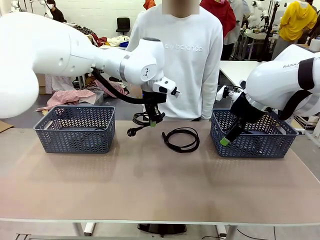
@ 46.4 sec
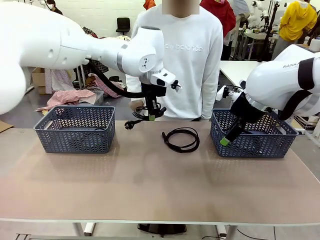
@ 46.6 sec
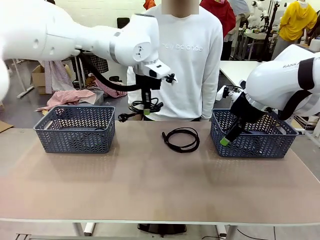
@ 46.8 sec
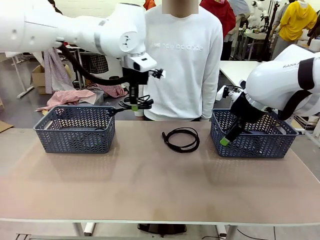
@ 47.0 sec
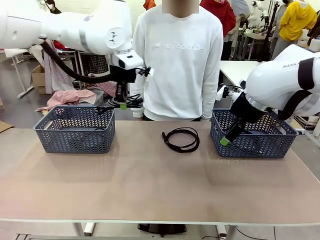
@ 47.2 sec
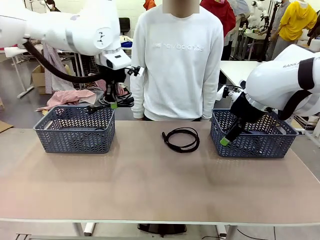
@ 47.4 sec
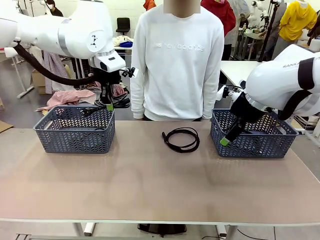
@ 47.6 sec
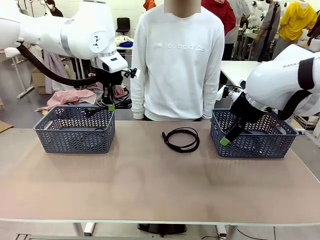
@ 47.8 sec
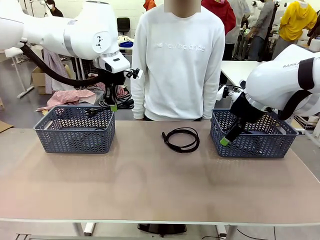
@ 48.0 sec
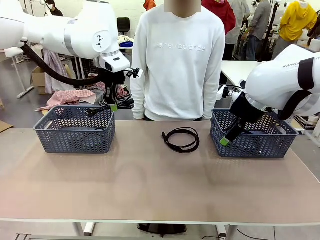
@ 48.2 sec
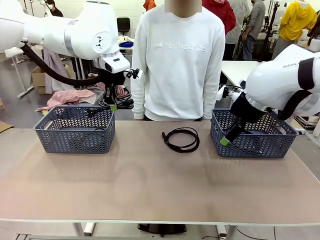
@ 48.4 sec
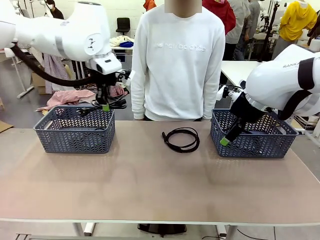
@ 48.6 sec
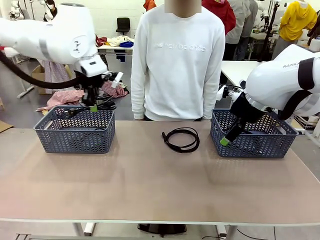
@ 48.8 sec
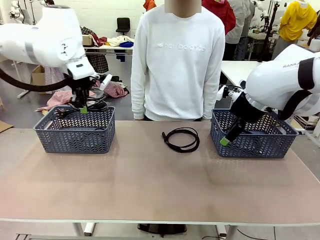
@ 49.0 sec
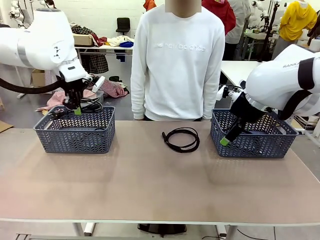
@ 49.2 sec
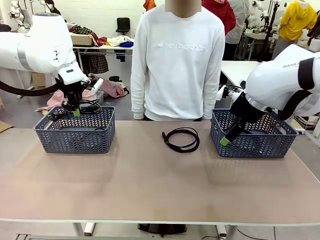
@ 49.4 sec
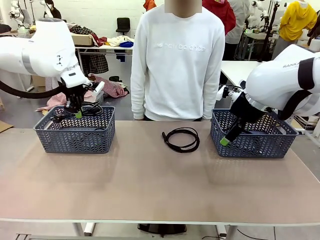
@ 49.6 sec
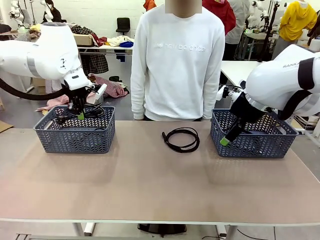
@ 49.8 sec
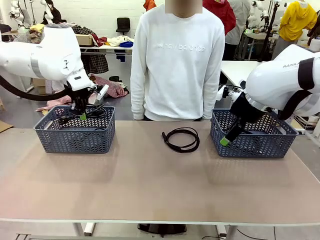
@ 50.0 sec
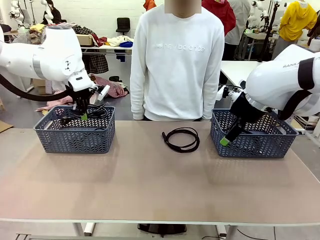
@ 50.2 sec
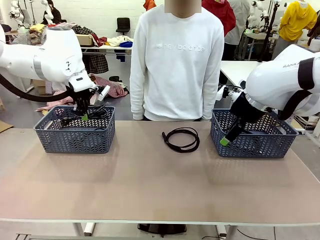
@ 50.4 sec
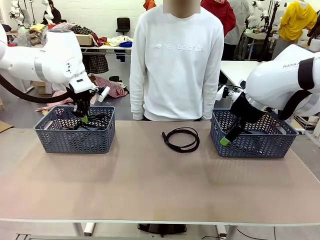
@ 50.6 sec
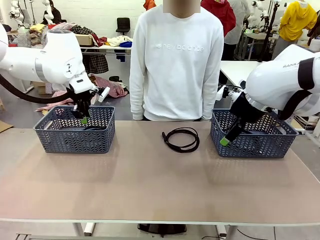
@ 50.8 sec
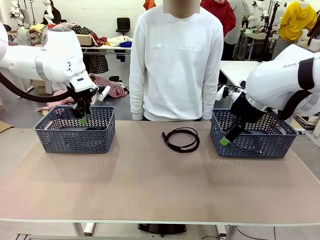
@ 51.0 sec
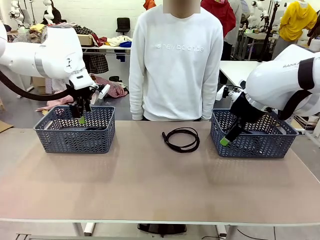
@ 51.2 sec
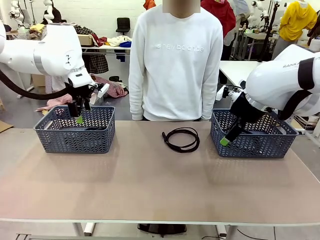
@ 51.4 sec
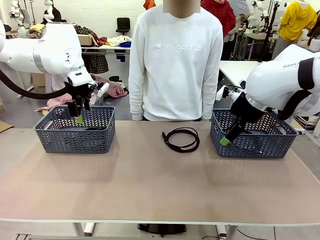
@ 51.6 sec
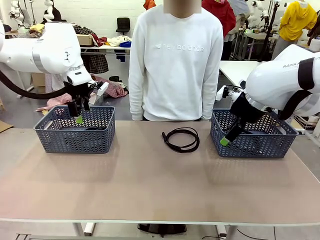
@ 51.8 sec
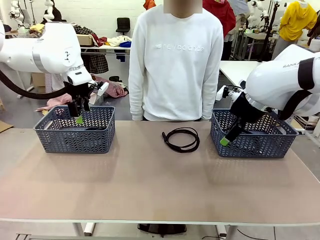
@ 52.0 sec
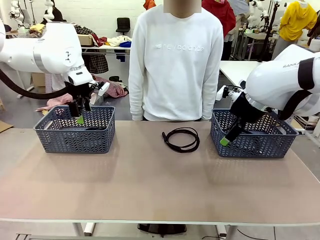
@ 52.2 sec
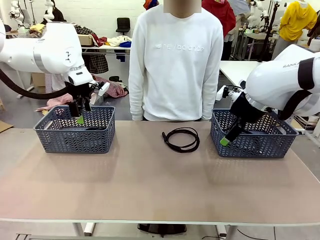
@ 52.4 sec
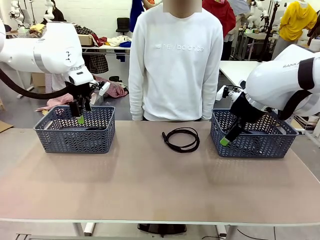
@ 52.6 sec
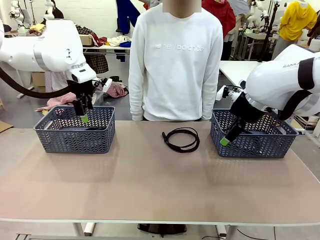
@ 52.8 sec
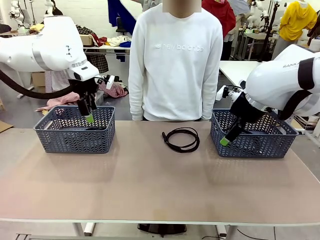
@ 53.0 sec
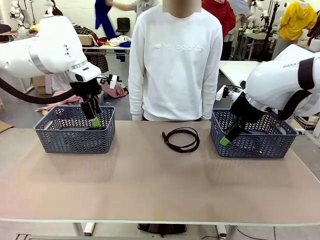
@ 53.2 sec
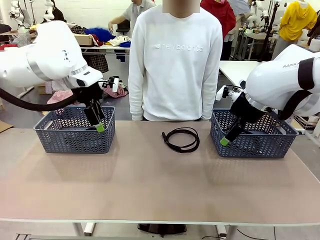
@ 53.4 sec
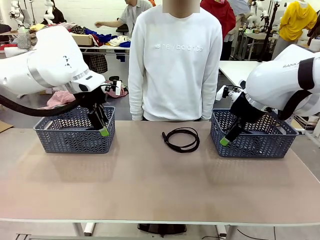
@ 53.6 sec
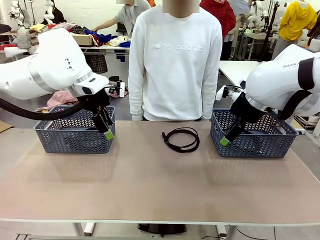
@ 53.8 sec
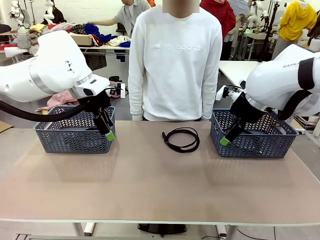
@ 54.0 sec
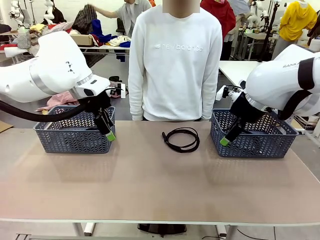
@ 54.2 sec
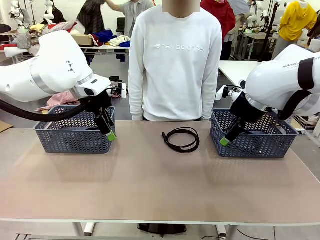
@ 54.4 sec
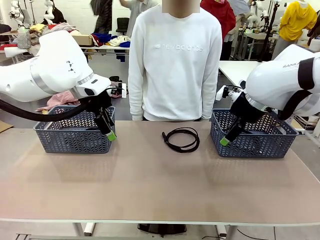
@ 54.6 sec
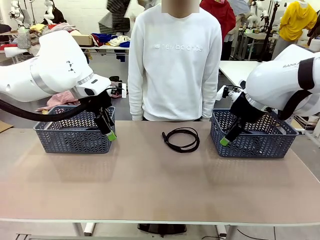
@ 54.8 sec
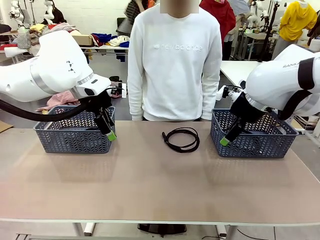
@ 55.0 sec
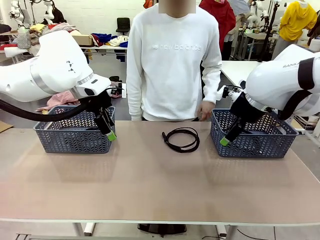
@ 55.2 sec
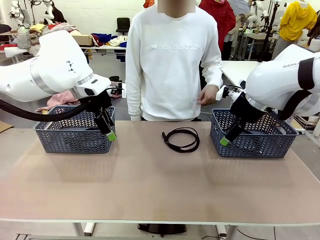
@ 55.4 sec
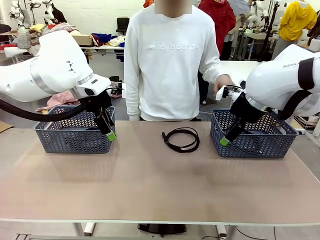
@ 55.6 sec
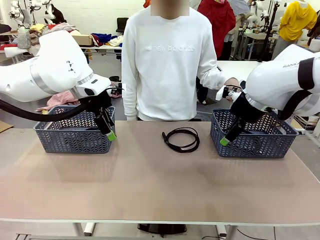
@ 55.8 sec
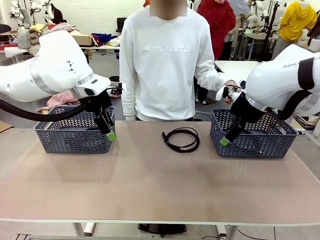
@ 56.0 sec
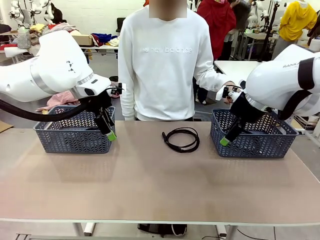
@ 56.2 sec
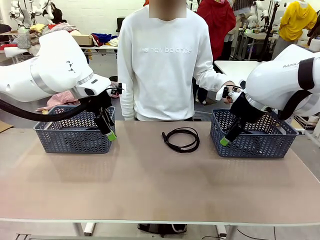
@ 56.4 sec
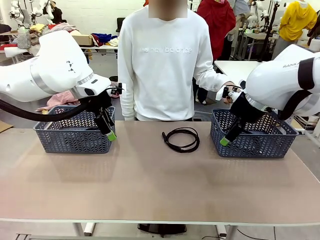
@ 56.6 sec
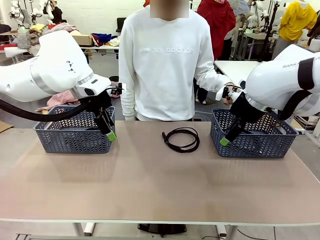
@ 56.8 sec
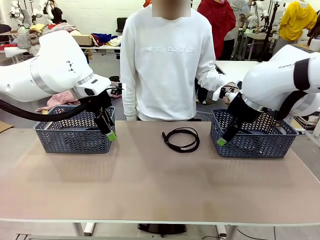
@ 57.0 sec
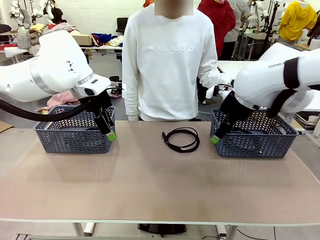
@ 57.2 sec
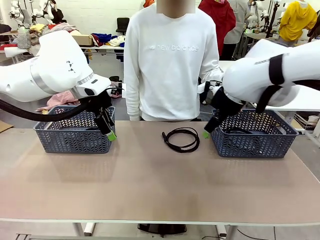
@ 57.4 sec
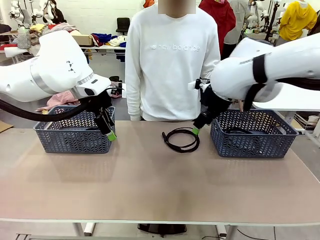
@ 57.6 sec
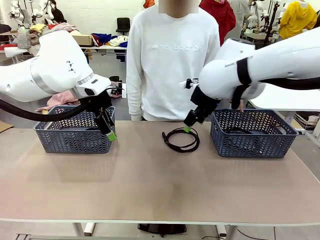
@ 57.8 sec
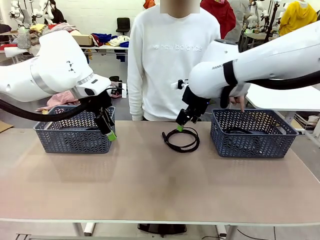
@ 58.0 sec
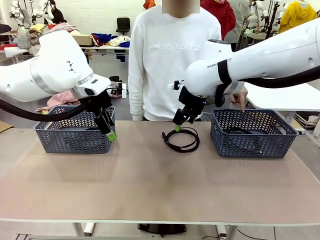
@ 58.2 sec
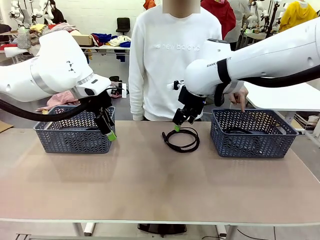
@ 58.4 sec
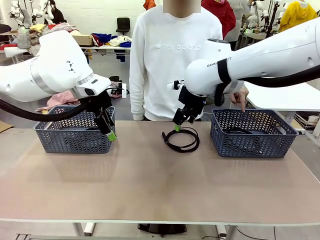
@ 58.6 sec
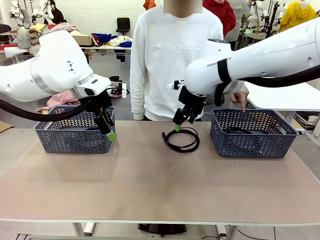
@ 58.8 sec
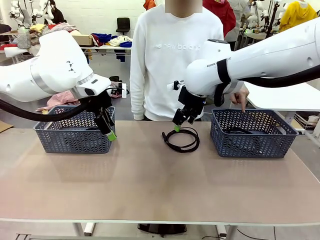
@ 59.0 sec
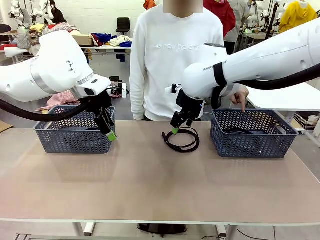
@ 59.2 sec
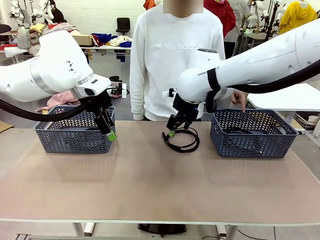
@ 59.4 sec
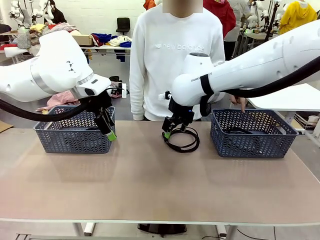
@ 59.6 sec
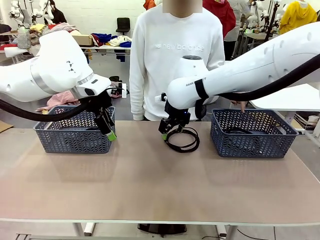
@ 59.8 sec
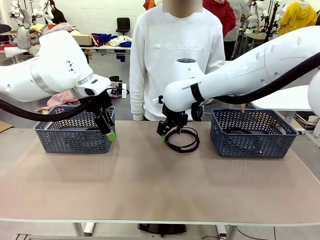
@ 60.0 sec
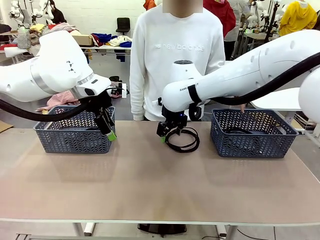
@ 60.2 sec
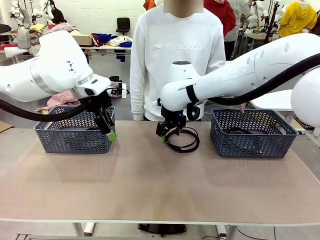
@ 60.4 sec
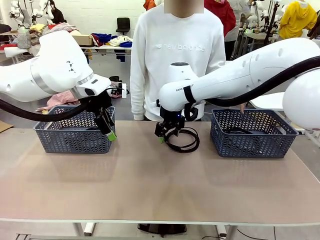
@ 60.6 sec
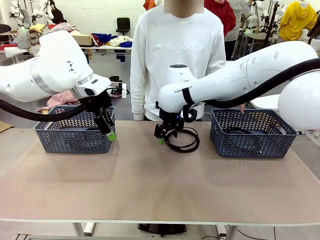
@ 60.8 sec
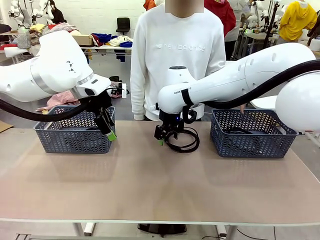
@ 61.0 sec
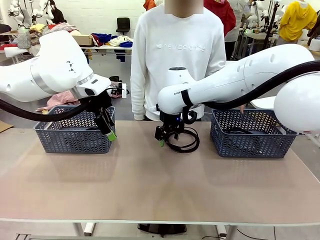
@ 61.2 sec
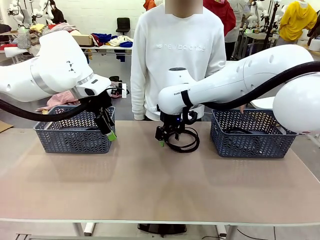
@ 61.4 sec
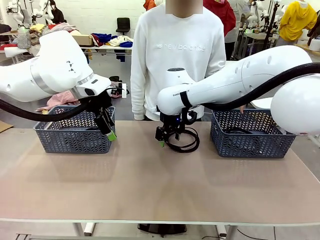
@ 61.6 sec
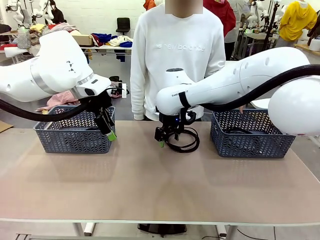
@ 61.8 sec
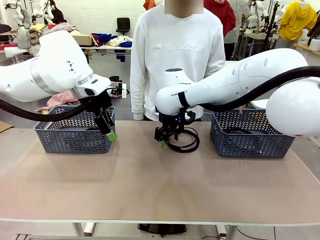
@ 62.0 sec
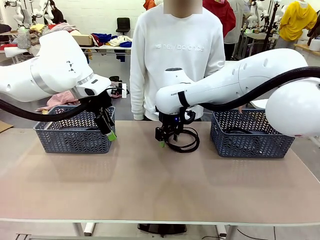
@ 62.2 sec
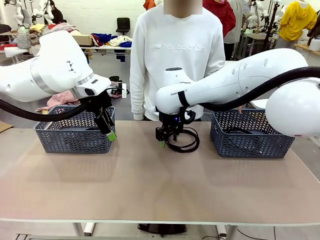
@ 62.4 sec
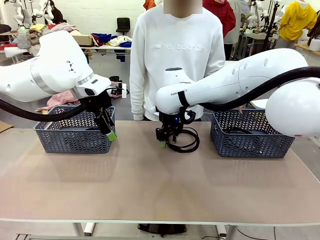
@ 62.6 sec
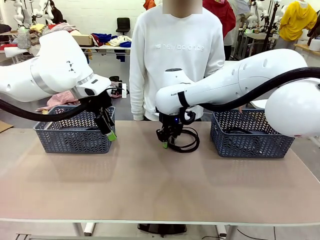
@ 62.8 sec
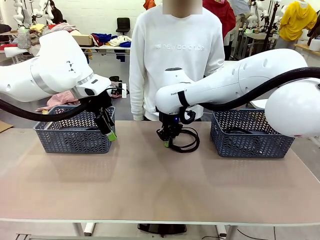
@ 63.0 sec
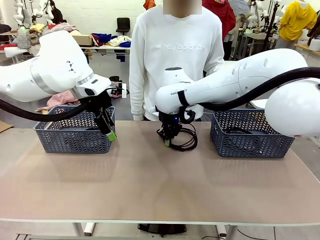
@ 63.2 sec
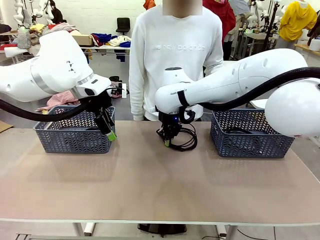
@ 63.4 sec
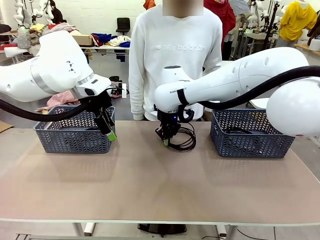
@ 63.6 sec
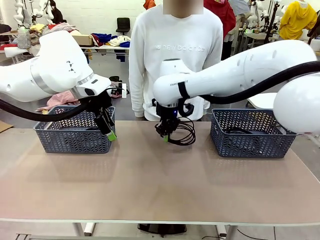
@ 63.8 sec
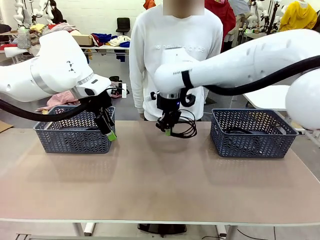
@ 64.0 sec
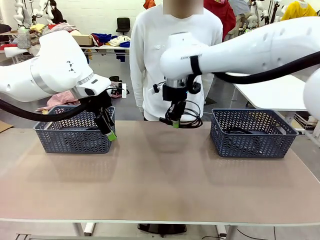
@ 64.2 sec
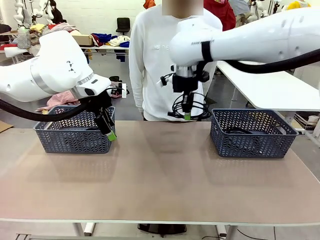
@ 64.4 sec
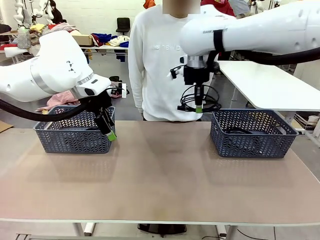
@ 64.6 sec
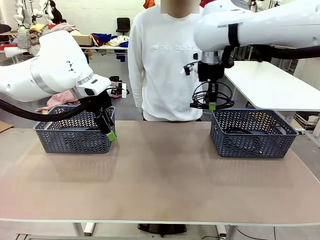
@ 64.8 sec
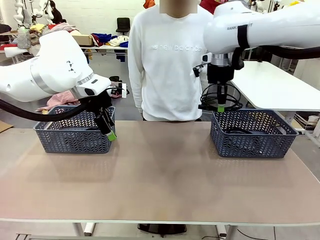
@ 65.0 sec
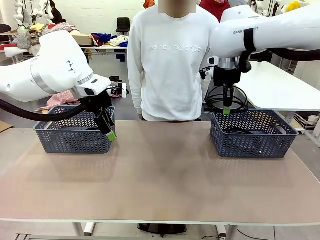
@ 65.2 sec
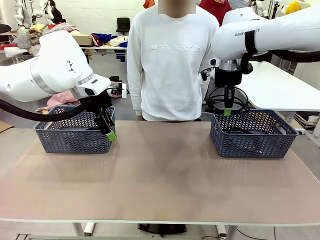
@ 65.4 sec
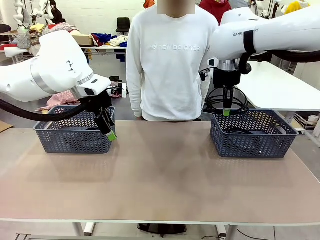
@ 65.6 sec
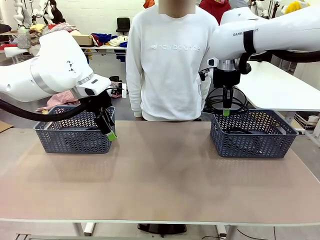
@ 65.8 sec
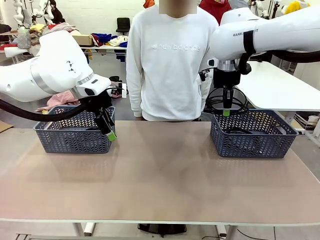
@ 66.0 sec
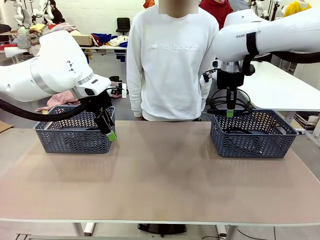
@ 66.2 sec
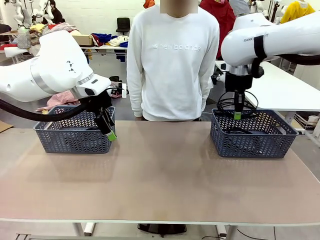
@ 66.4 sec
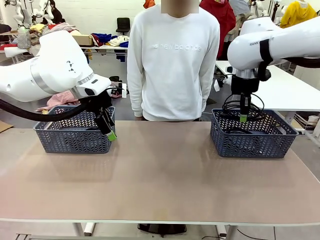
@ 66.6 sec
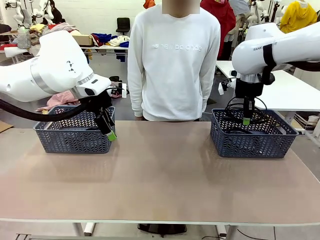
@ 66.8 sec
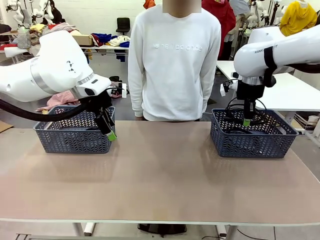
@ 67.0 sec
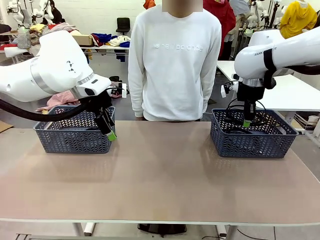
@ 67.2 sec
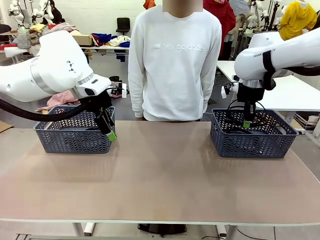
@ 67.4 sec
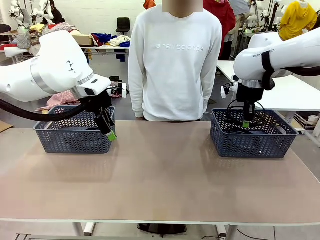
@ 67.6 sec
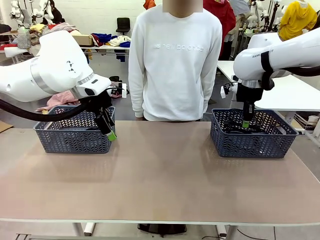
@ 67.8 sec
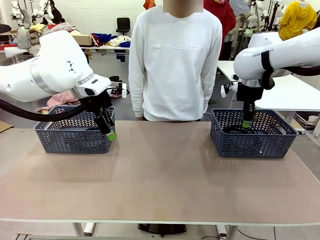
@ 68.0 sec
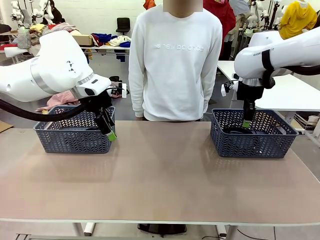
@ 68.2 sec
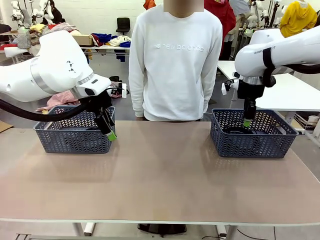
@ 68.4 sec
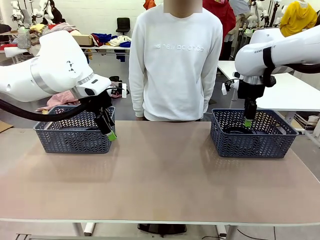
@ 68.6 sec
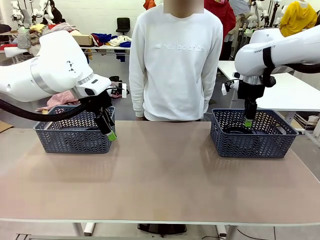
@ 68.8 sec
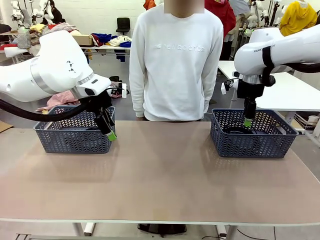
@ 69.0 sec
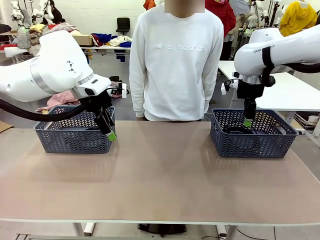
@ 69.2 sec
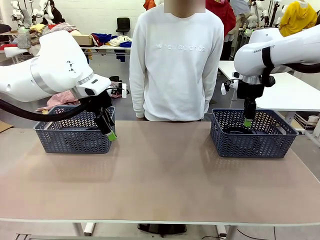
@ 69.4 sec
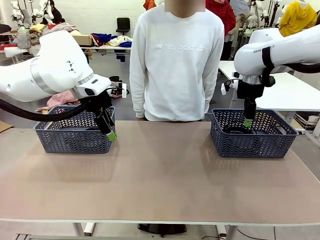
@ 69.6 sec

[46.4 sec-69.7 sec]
Task: Organize the cables according to human instructions.
Robot: Pick up a bundle of cables and place it in the basket indicated by the human.
